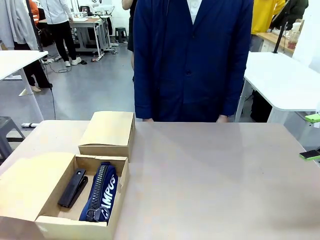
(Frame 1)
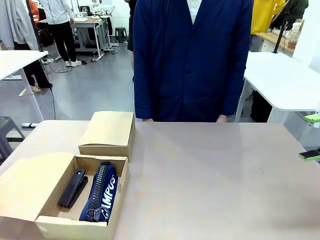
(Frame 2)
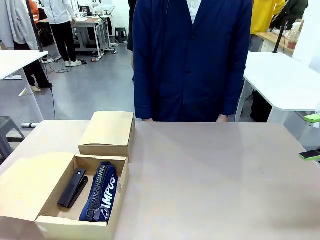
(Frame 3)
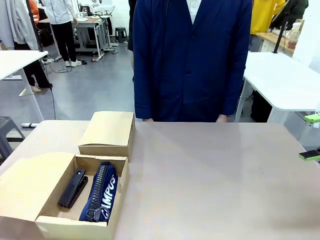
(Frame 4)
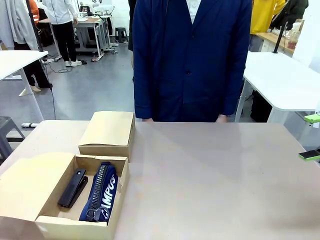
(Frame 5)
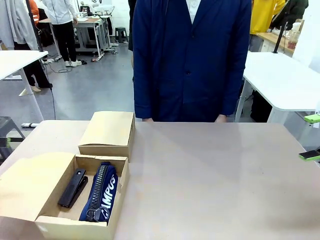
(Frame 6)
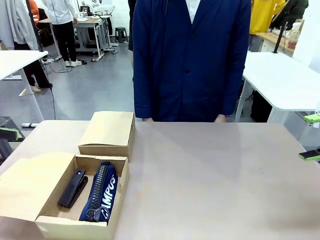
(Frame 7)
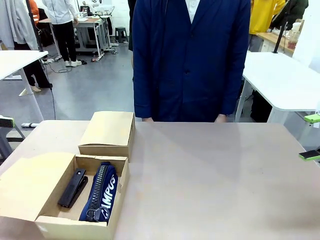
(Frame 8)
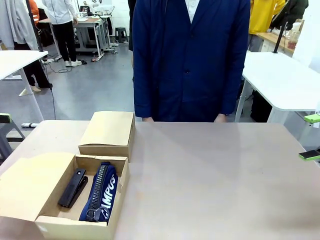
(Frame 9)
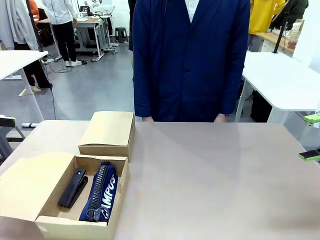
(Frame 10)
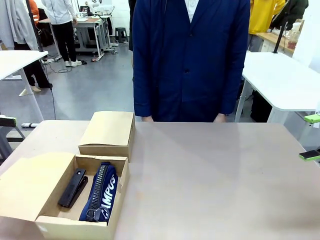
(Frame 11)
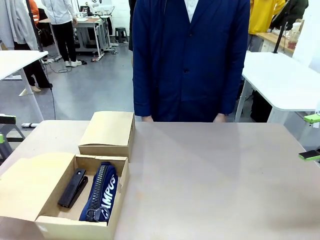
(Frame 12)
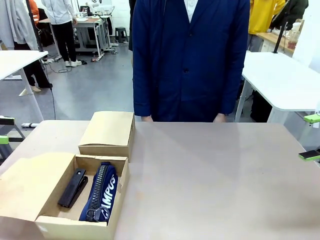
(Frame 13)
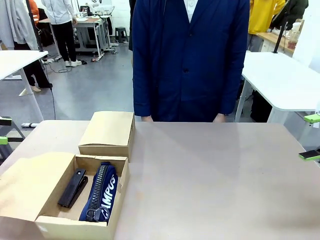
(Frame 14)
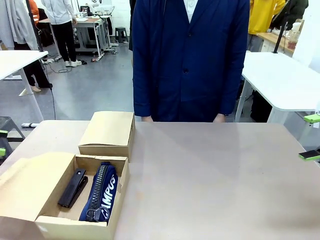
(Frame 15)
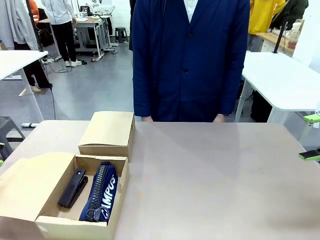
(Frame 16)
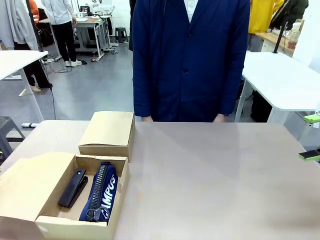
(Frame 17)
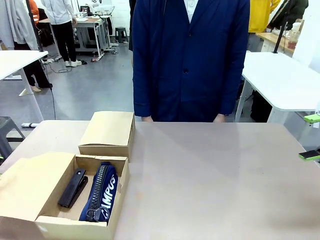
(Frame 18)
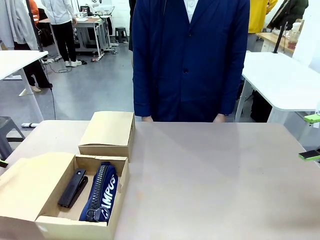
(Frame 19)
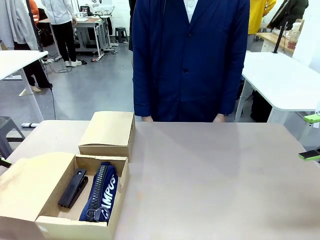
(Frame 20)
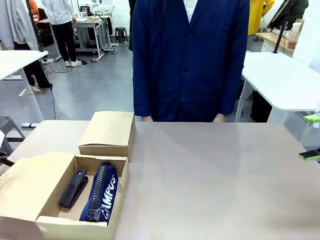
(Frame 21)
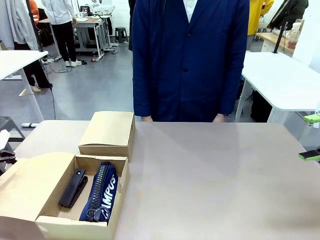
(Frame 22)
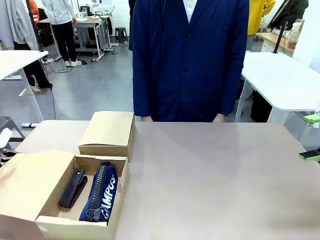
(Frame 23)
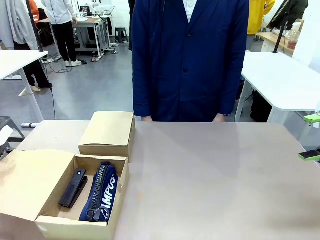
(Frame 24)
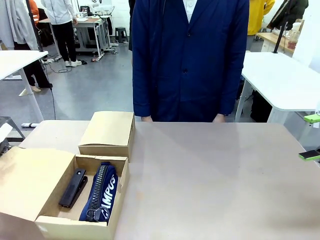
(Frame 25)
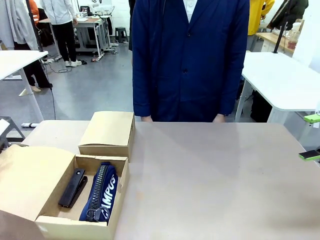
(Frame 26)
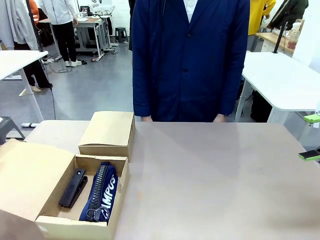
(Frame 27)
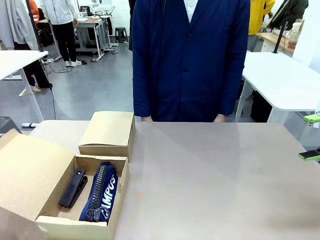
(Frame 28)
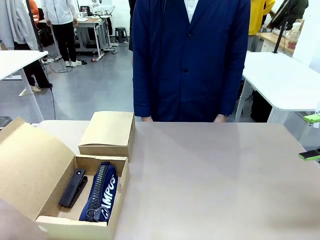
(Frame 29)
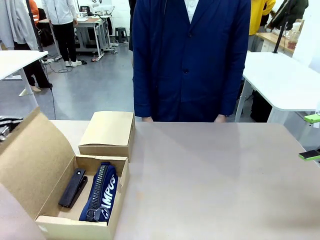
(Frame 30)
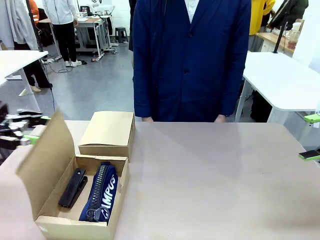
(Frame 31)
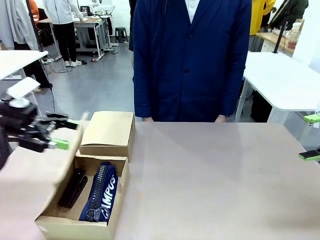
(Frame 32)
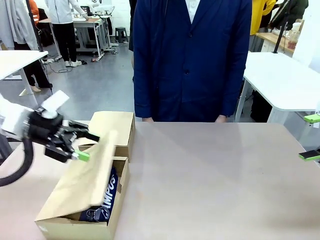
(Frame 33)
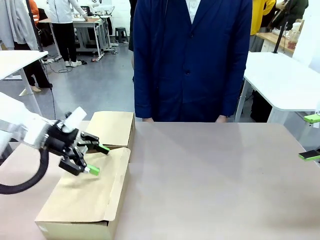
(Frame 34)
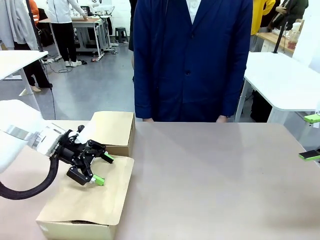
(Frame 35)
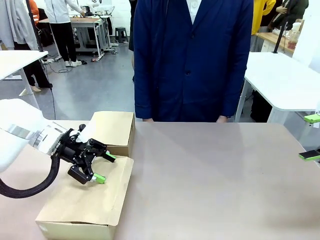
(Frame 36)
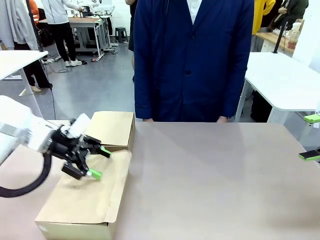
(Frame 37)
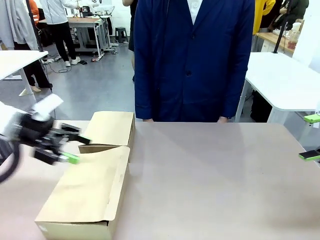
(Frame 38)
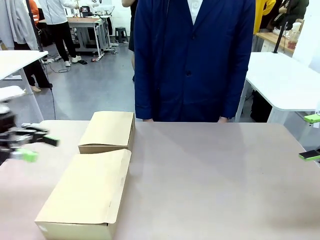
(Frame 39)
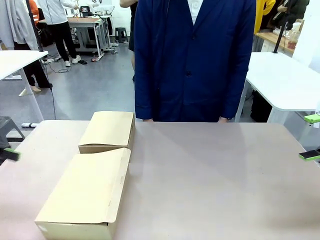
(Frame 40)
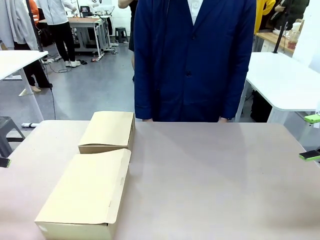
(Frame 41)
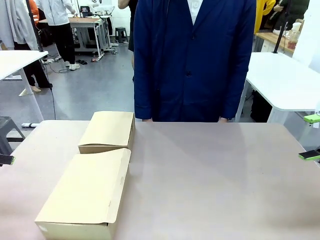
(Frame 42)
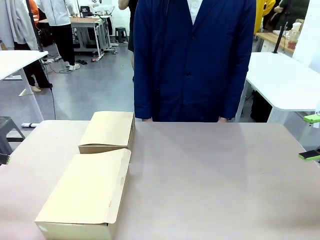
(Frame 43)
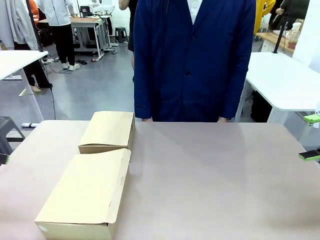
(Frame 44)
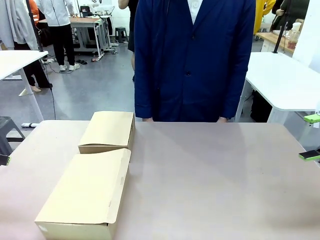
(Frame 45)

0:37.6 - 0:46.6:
Task: Place items inside the box.
Robot: Close the lid of the Mailer Box closest to the robot.

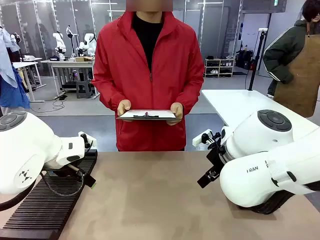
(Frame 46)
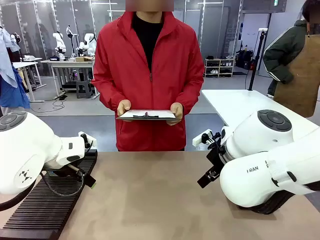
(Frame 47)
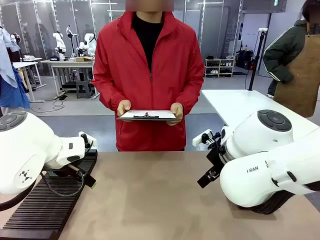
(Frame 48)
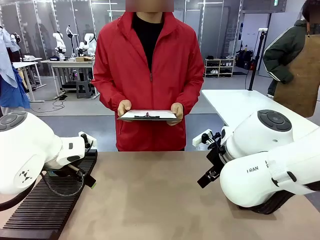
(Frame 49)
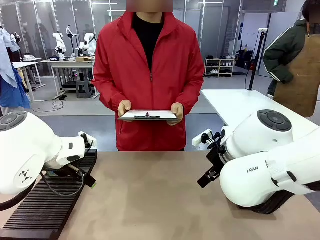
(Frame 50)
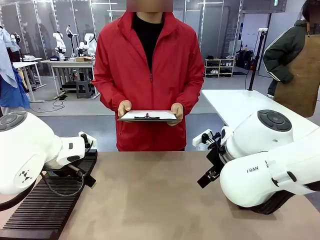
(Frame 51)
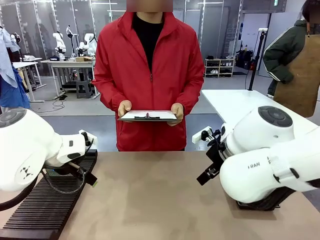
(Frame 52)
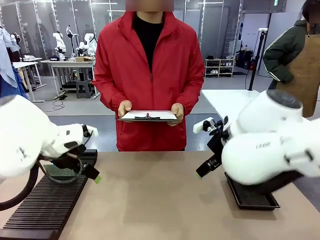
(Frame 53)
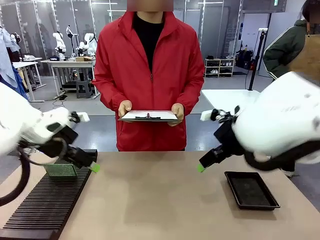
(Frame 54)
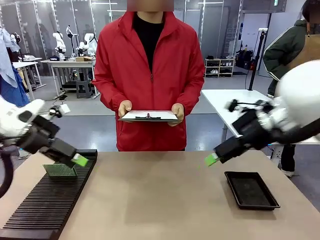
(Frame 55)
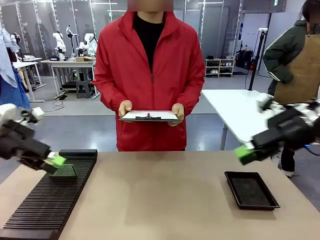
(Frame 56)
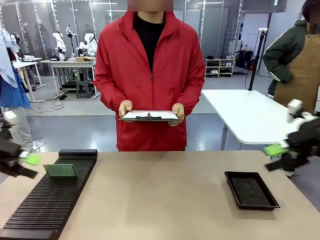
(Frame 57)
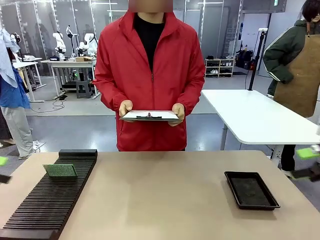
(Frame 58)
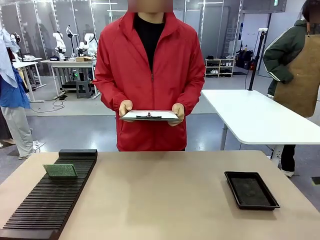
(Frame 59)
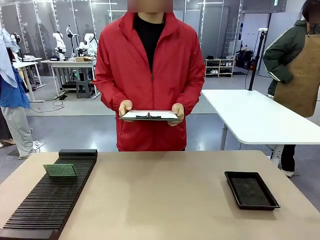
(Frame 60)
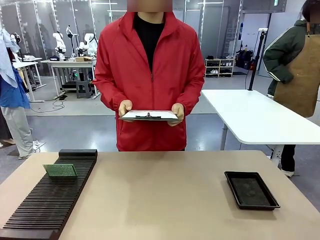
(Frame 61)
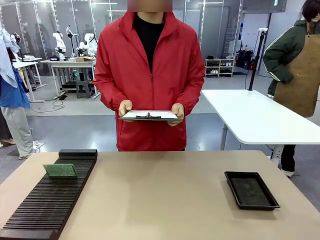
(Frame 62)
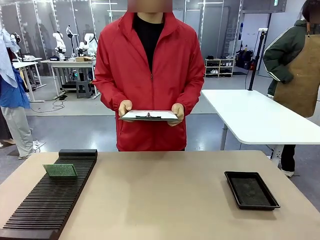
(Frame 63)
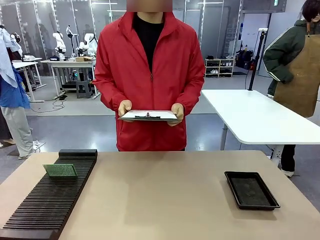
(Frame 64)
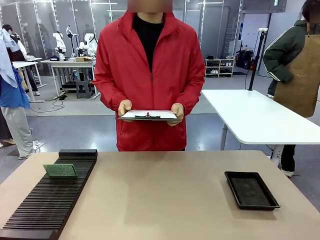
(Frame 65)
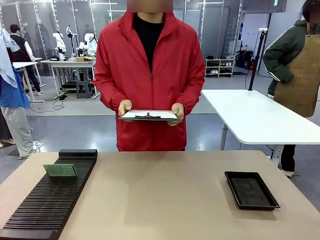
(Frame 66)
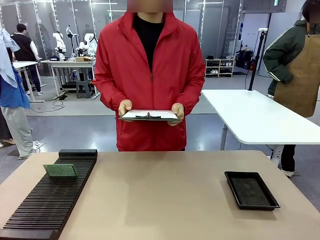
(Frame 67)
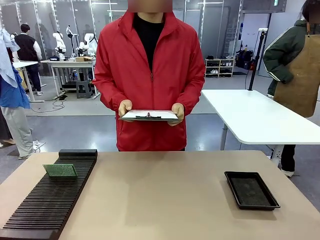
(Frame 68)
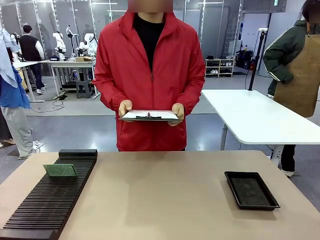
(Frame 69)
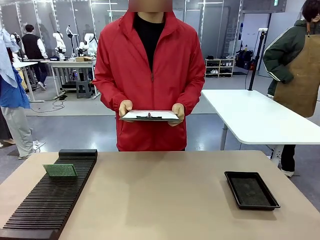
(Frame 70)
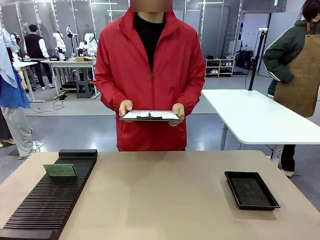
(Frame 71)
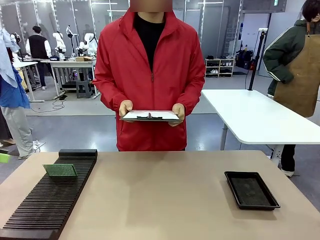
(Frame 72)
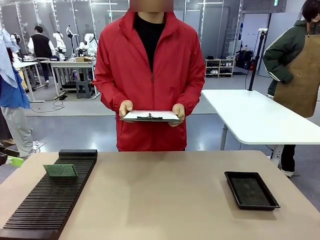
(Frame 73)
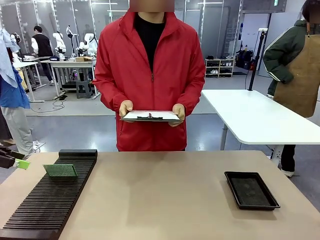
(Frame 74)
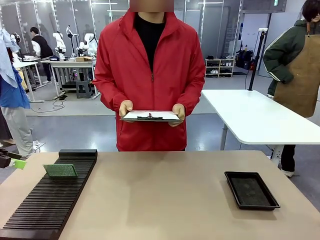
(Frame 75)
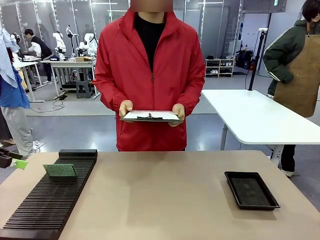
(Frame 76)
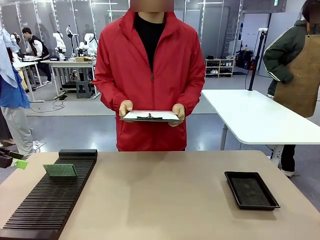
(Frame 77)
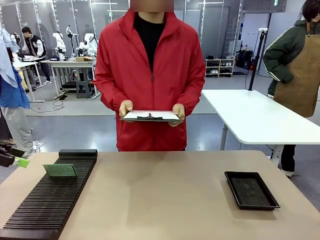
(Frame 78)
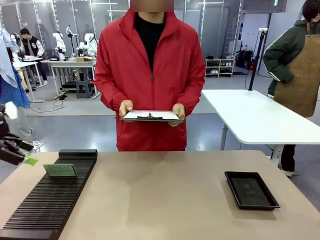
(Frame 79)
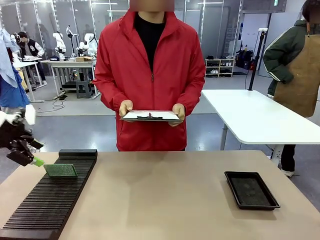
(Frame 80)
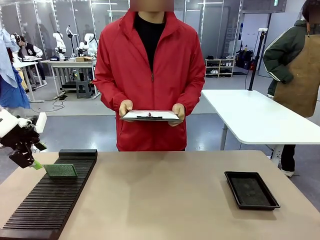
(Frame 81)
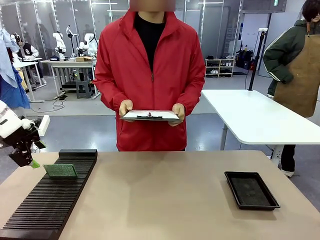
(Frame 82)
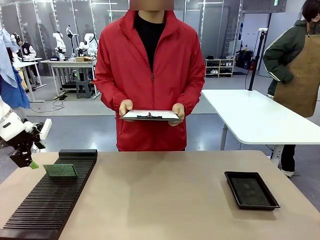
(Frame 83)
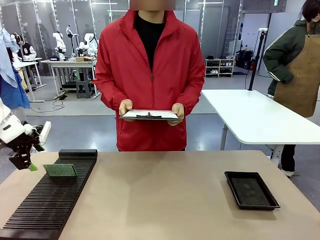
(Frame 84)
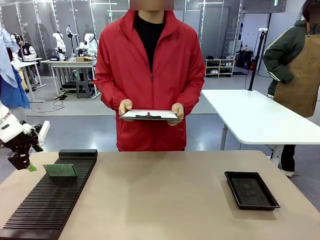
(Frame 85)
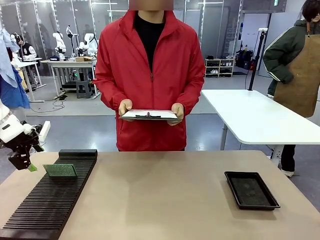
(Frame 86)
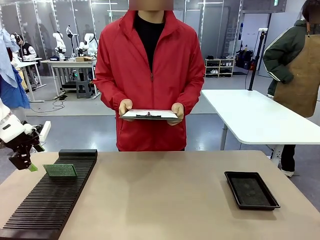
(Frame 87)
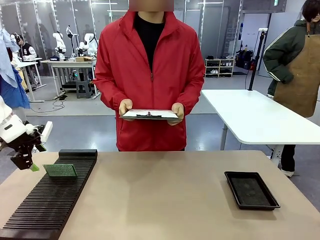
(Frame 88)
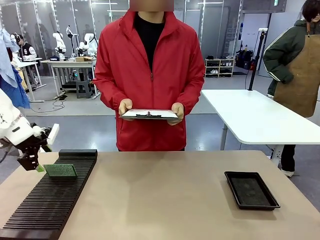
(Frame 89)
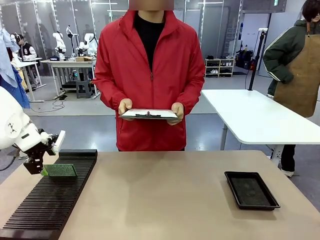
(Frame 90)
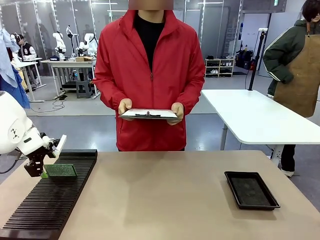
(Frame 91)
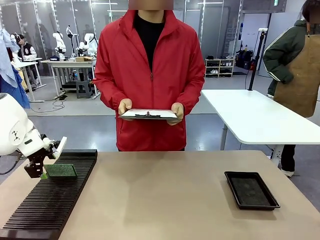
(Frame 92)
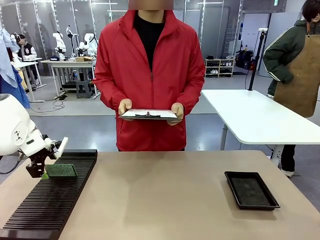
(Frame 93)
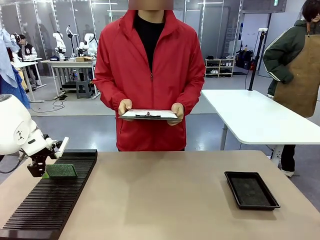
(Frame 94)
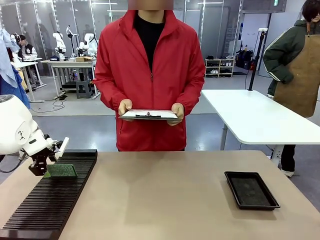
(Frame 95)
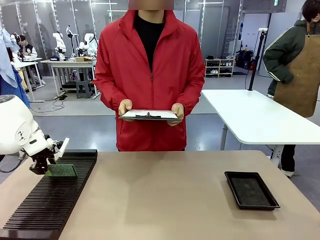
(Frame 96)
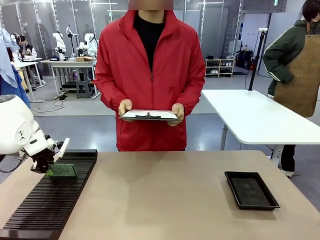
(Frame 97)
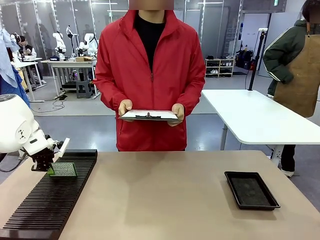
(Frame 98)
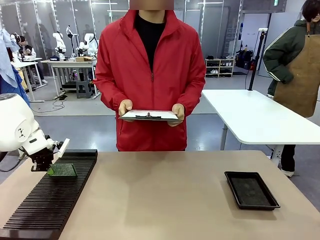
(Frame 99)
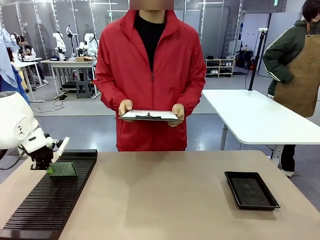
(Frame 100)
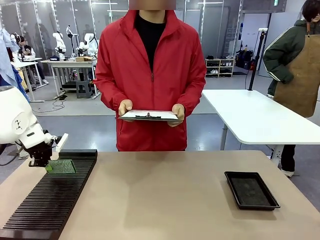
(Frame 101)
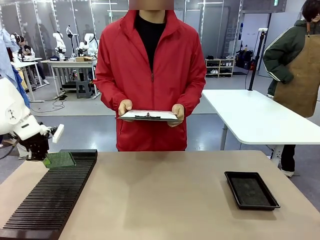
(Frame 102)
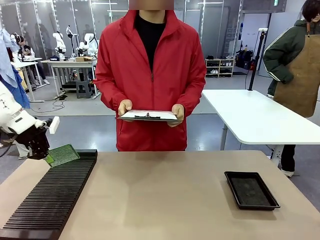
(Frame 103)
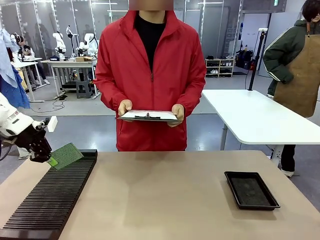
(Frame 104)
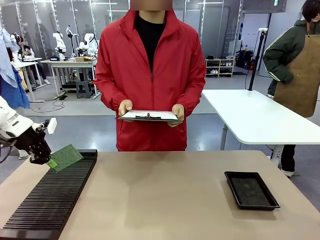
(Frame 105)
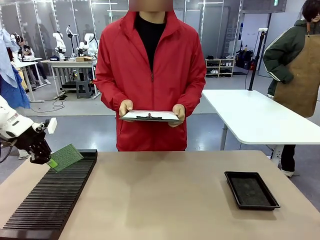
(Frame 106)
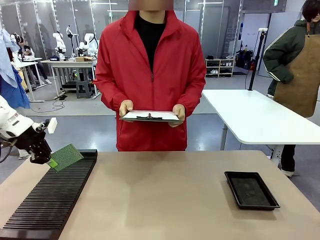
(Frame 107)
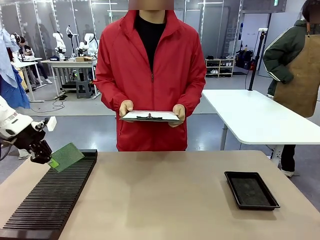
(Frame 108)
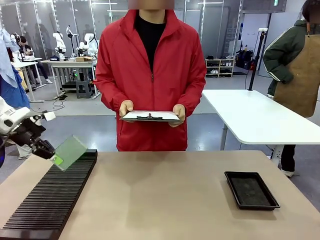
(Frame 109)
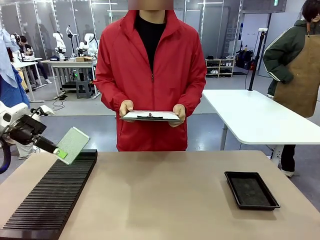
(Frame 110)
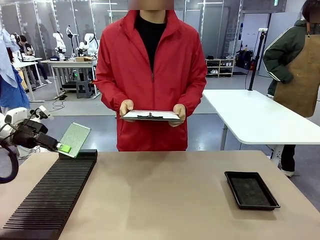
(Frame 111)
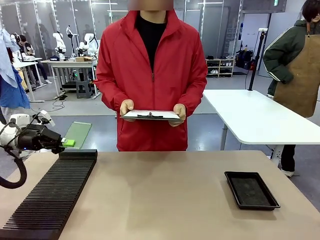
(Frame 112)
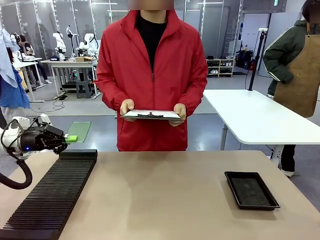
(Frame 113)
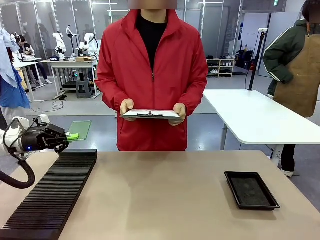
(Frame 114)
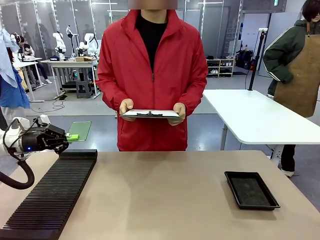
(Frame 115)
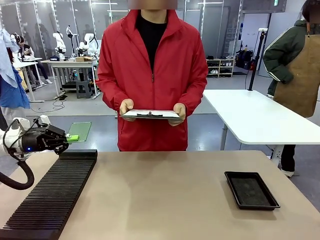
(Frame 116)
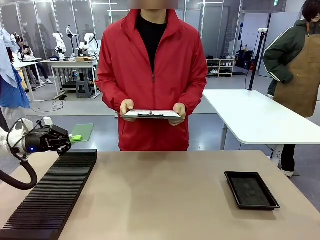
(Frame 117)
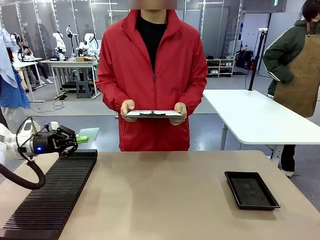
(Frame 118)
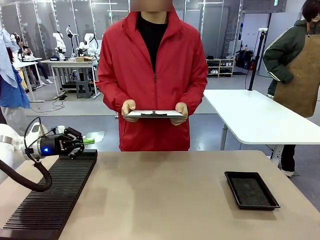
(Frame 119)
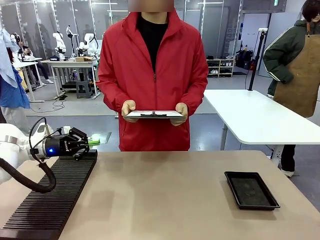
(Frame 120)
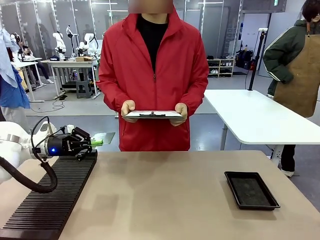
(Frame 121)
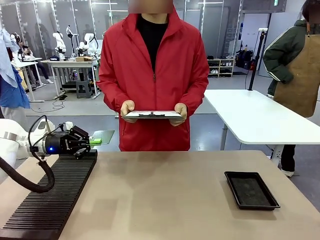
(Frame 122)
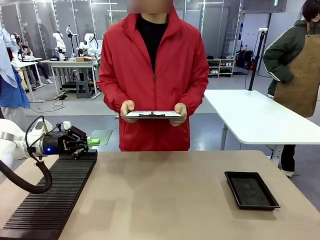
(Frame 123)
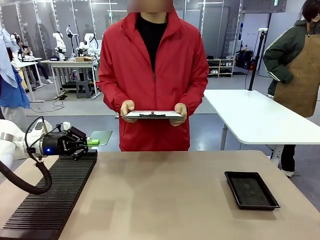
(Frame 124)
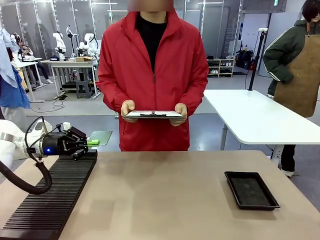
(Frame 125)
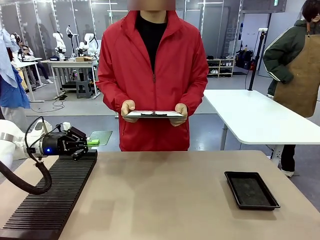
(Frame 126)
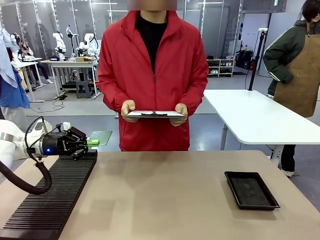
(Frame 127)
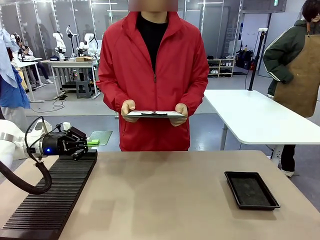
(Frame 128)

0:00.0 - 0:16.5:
Task: Inspect the PCB.
Robot: Pick up the Blank PCB and present it to the human.
Person: Pick up the PCB presented by the robot.
